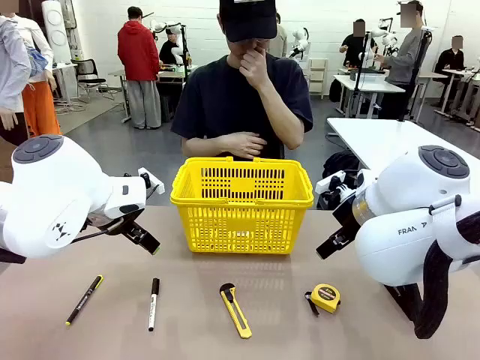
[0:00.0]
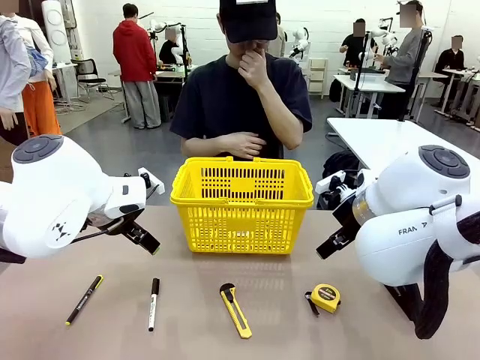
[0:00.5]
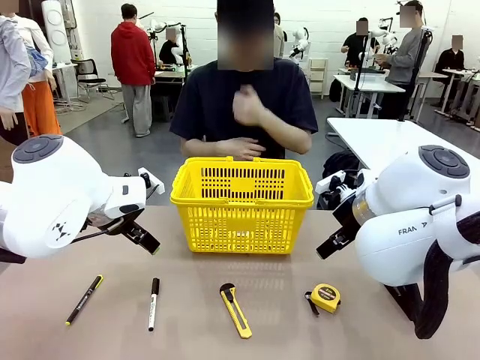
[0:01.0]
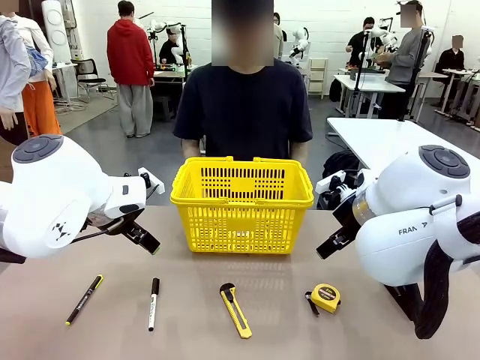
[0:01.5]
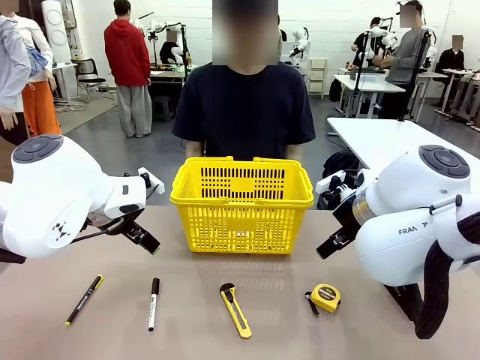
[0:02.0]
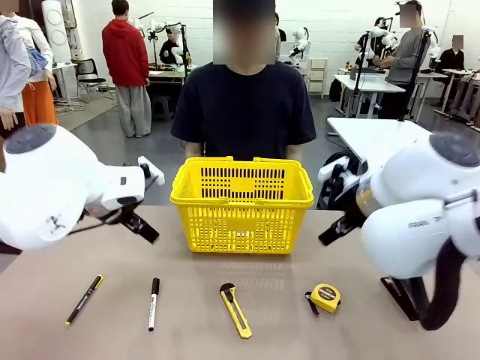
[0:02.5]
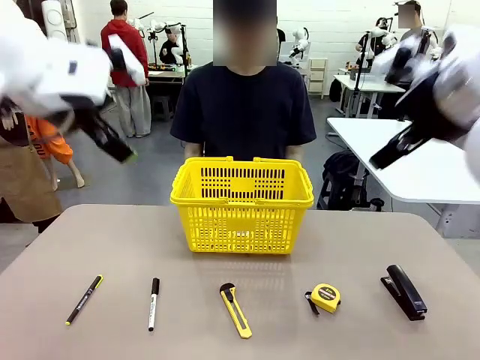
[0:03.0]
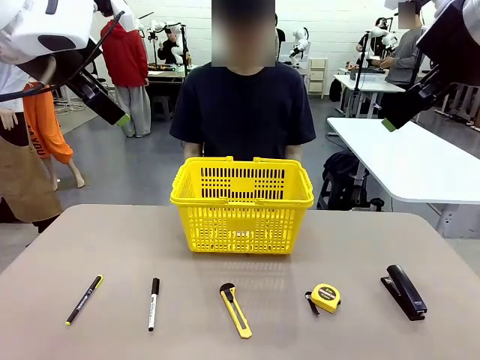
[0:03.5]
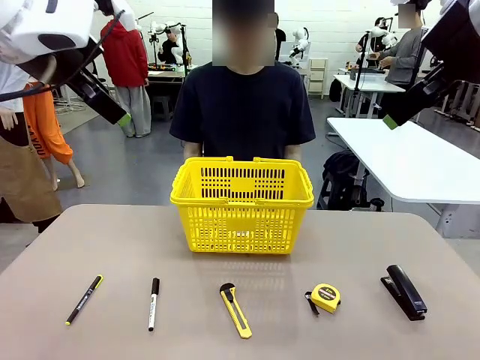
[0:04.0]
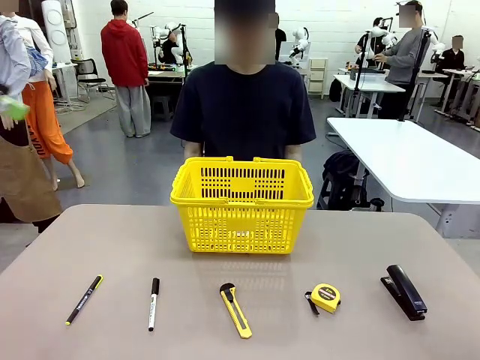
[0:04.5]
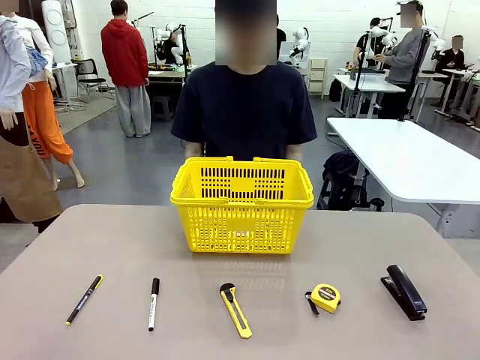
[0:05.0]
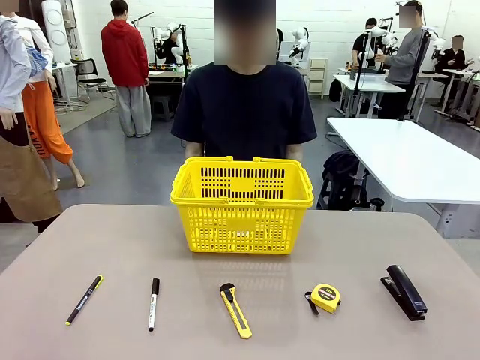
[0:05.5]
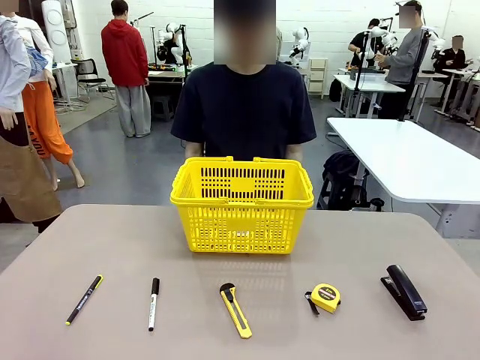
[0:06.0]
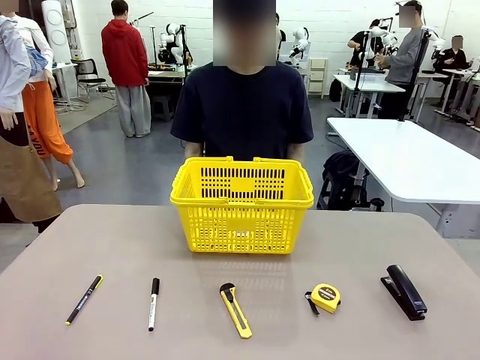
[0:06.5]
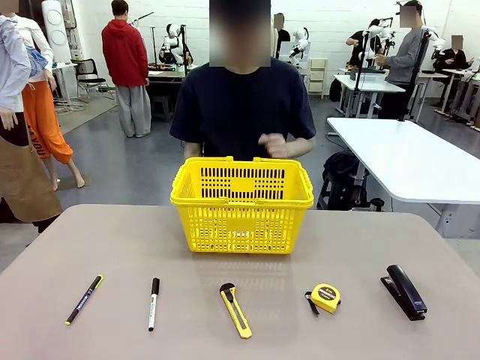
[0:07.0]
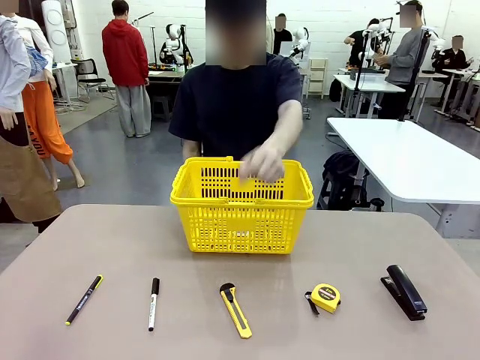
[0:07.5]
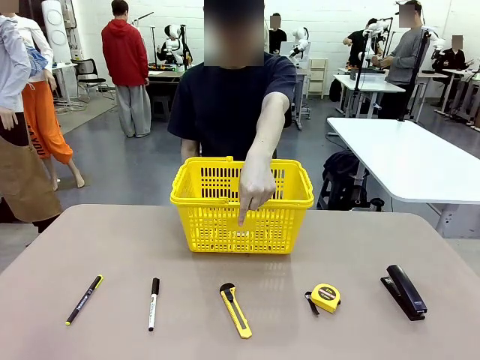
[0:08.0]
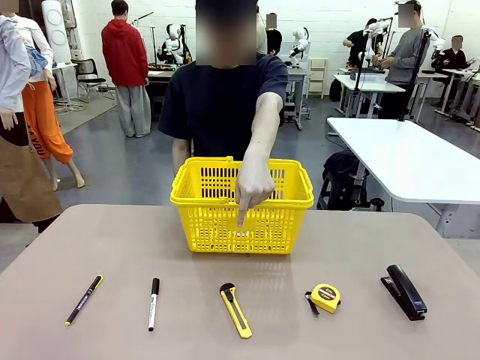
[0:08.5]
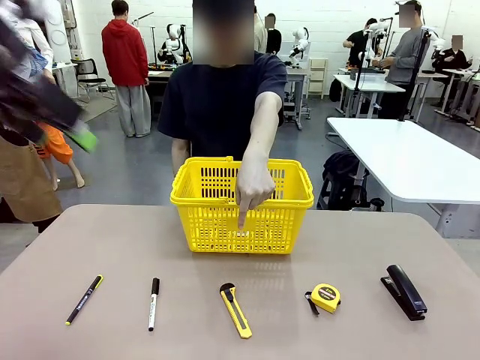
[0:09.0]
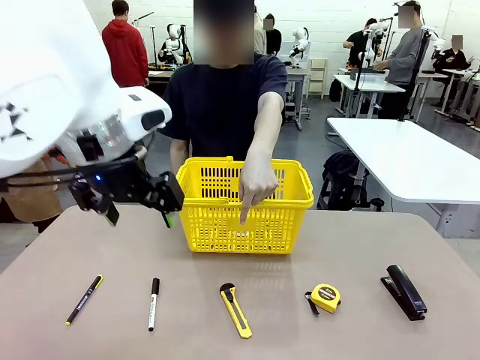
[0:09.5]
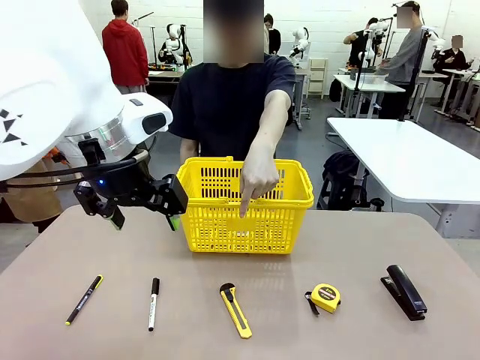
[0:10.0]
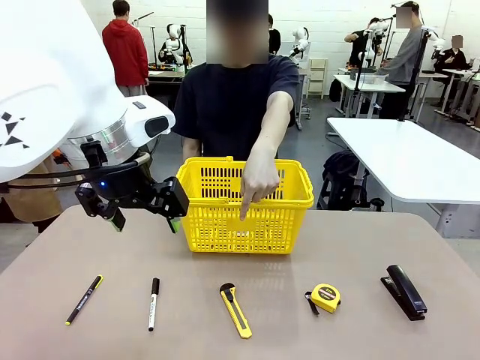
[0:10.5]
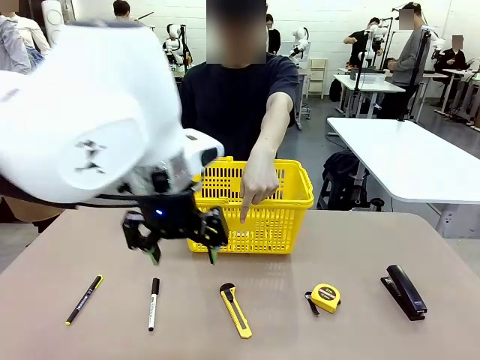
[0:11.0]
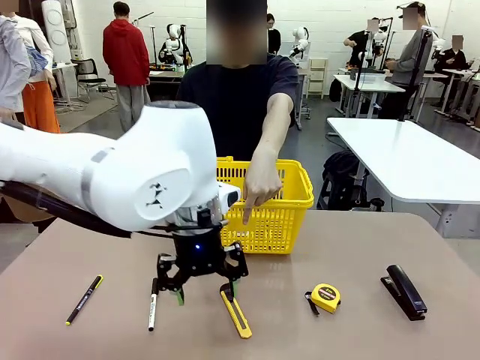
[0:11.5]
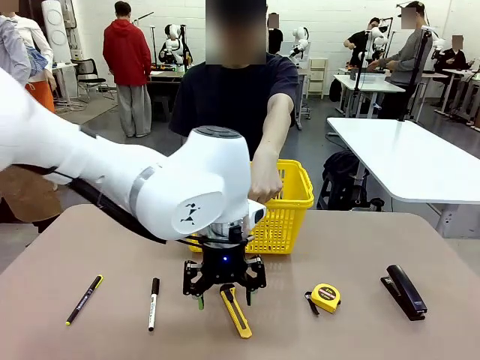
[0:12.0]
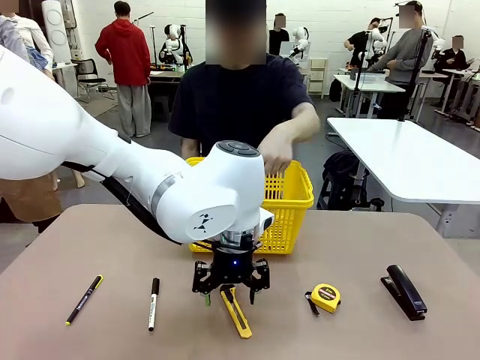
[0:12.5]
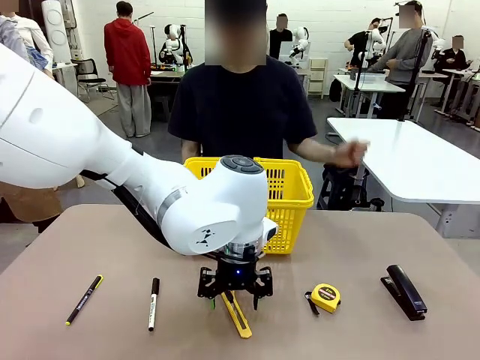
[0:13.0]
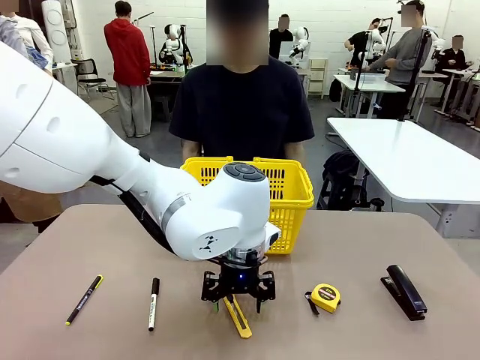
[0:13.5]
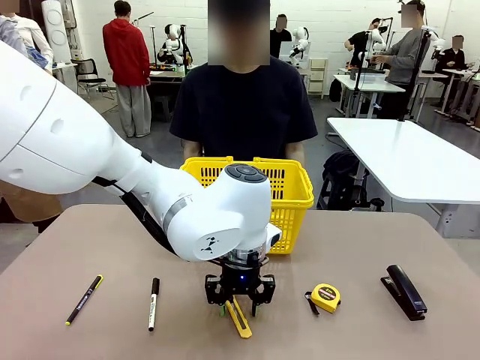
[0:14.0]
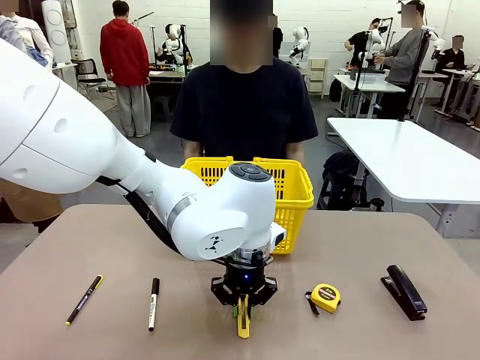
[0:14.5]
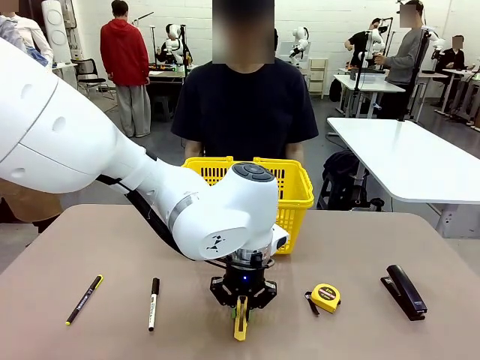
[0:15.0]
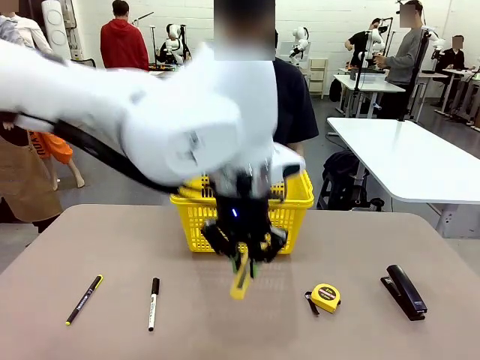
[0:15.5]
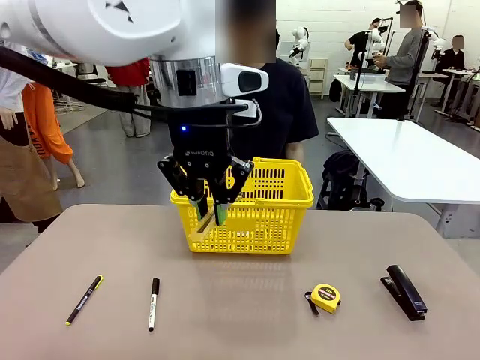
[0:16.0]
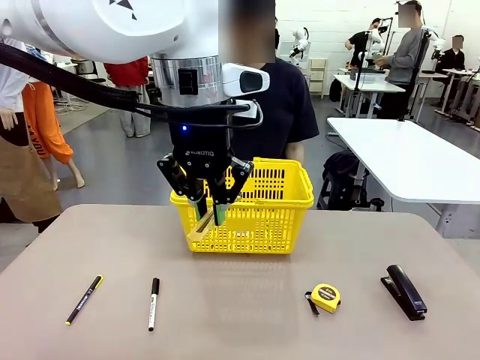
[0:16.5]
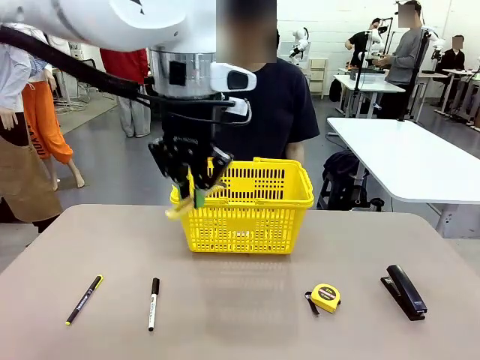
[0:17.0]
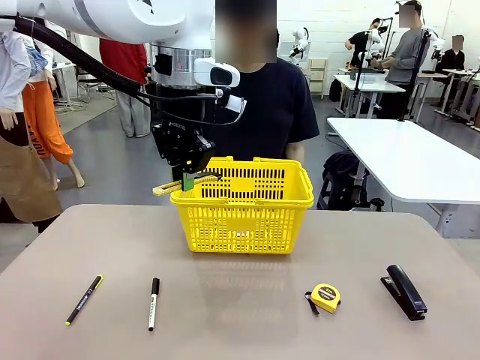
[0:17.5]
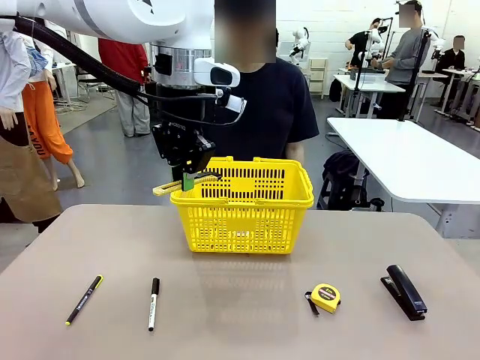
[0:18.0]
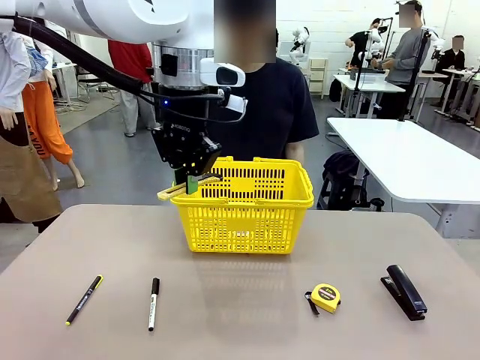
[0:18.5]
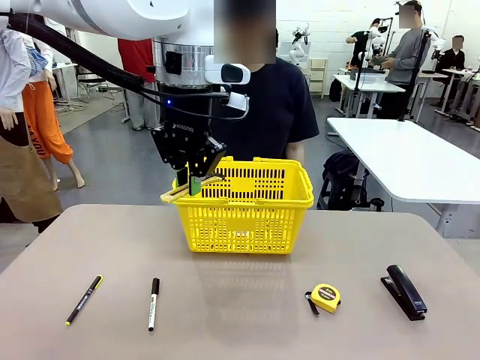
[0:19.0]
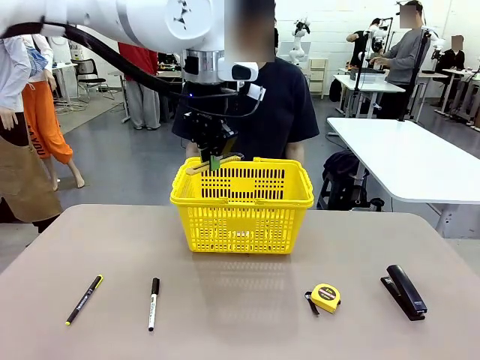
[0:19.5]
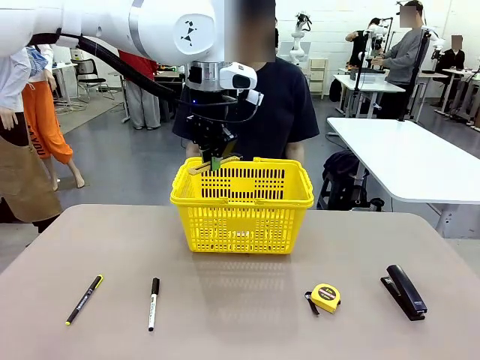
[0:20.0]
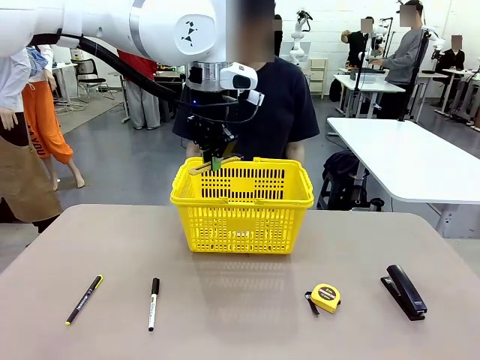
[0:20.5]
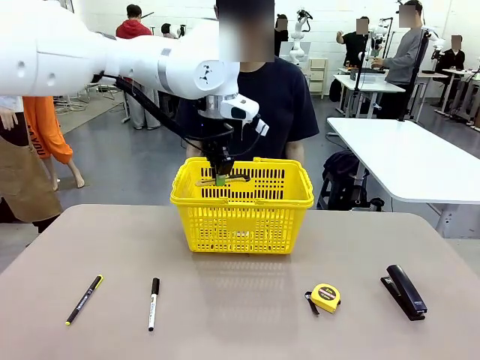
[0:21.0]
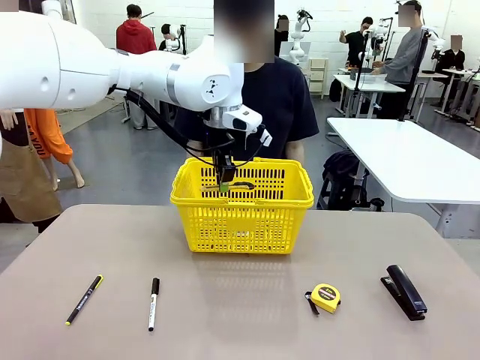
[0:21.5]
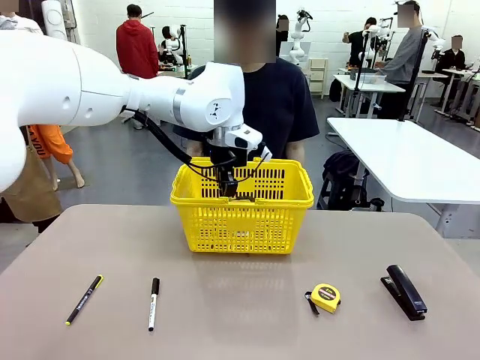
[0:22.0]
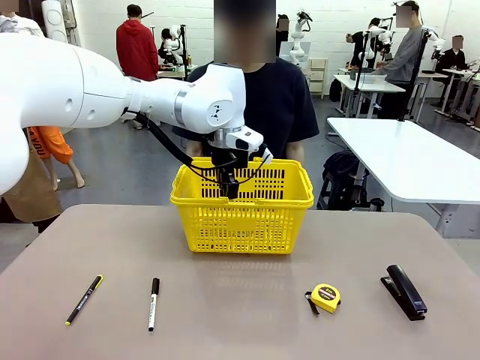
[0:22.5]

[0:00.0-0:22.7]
Task: Place the items the person wants into the basket.
Robot: Pick up the item the person points to and place it in the Market Basket.
